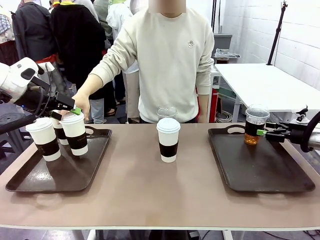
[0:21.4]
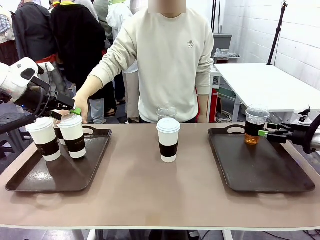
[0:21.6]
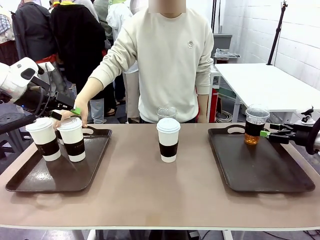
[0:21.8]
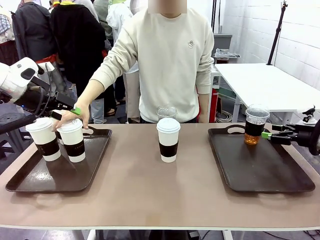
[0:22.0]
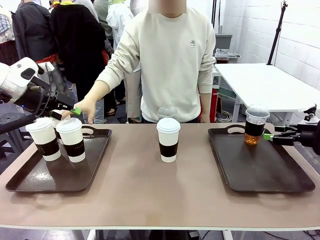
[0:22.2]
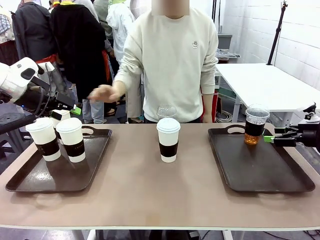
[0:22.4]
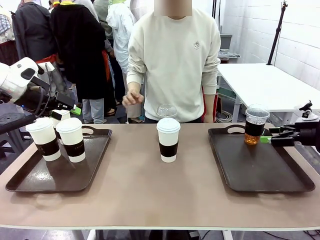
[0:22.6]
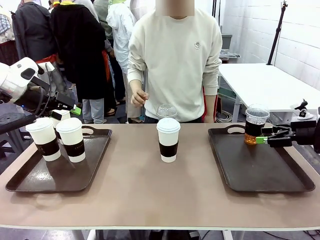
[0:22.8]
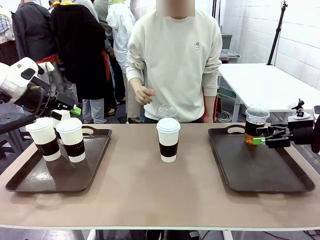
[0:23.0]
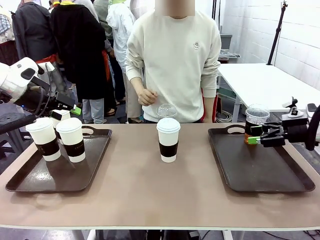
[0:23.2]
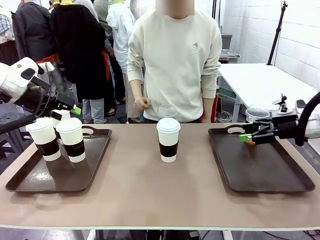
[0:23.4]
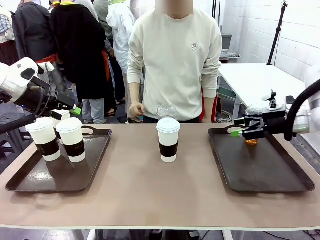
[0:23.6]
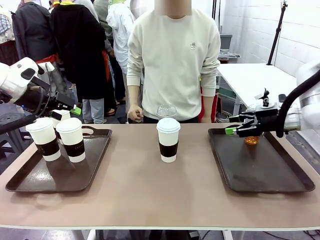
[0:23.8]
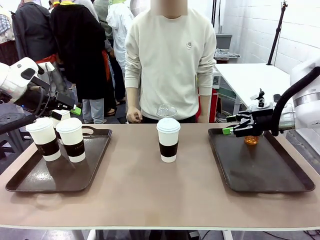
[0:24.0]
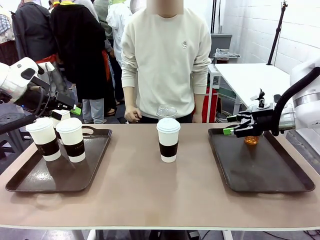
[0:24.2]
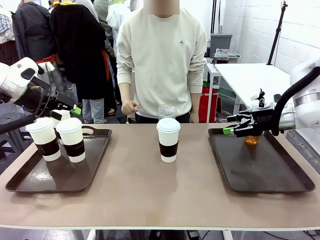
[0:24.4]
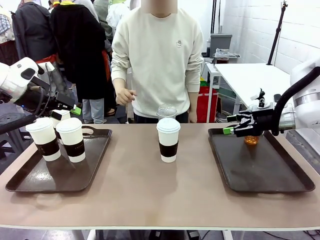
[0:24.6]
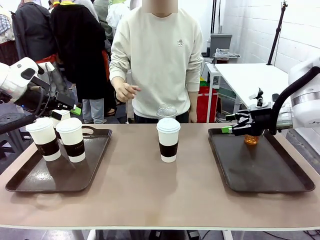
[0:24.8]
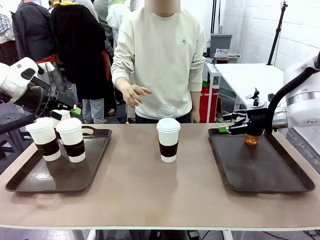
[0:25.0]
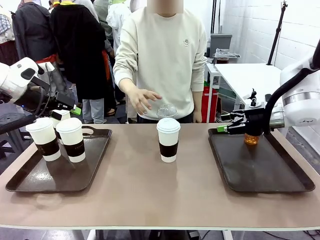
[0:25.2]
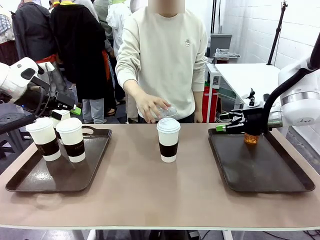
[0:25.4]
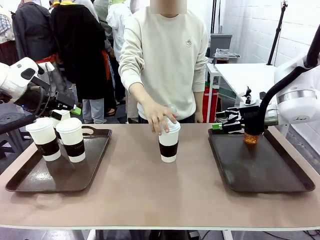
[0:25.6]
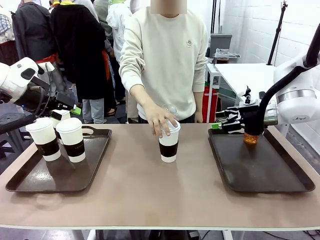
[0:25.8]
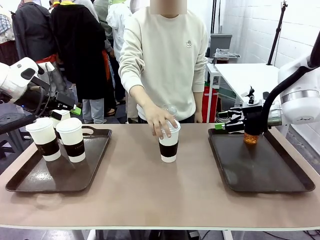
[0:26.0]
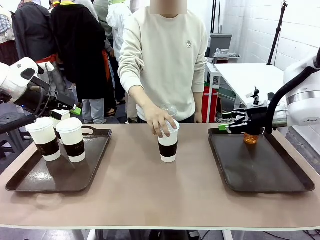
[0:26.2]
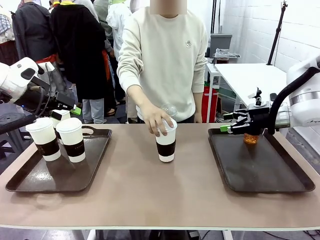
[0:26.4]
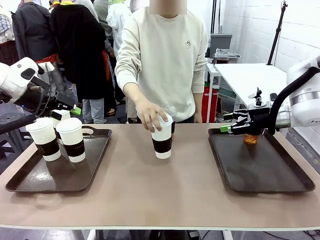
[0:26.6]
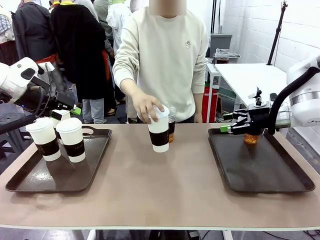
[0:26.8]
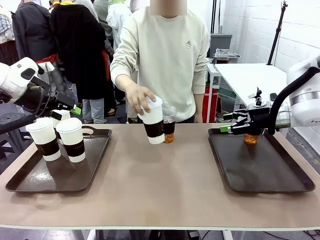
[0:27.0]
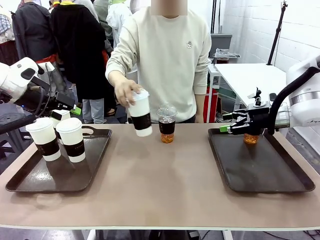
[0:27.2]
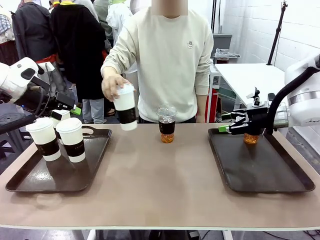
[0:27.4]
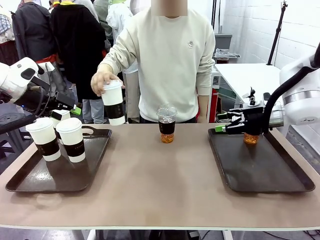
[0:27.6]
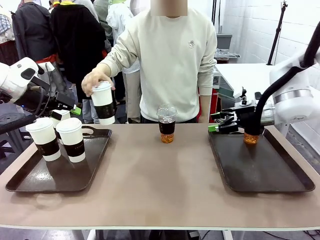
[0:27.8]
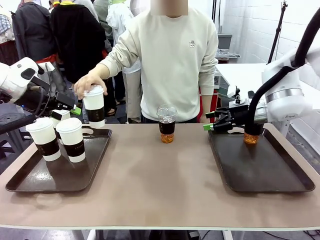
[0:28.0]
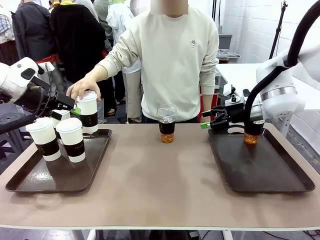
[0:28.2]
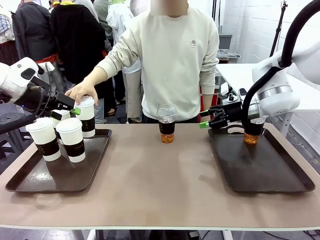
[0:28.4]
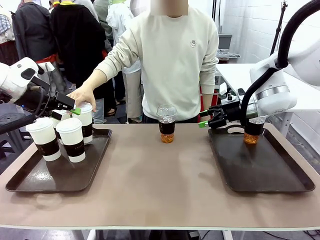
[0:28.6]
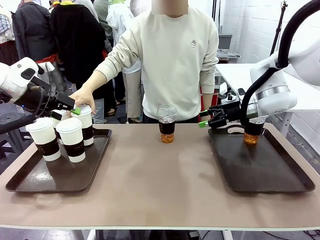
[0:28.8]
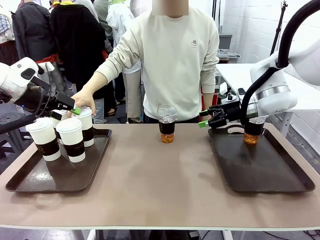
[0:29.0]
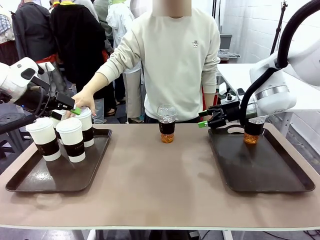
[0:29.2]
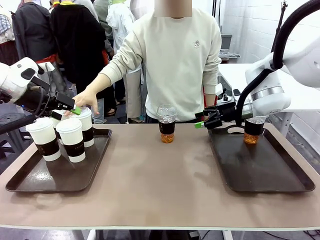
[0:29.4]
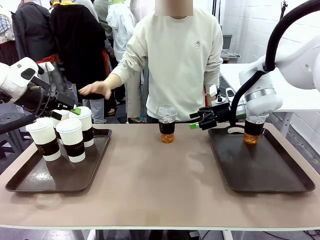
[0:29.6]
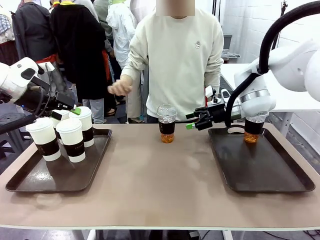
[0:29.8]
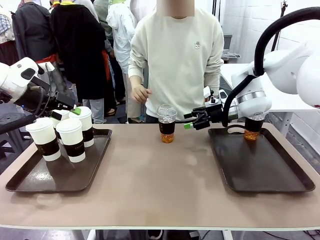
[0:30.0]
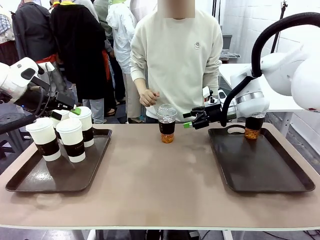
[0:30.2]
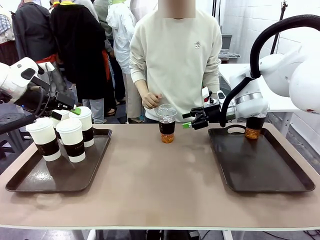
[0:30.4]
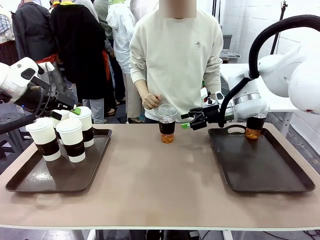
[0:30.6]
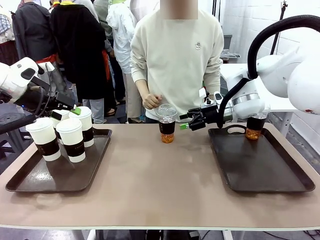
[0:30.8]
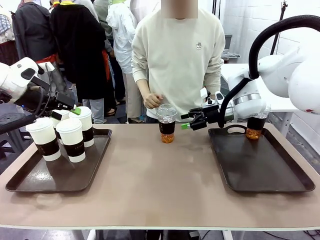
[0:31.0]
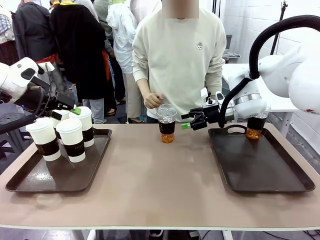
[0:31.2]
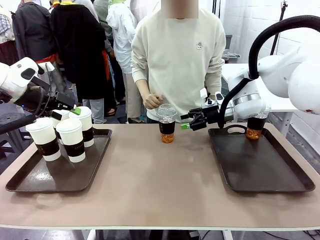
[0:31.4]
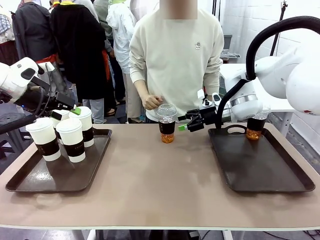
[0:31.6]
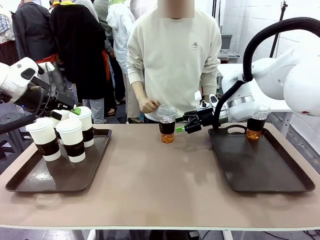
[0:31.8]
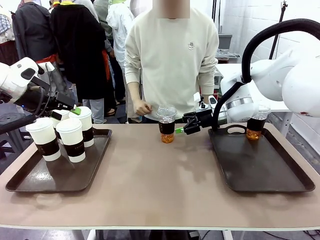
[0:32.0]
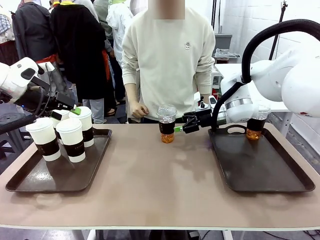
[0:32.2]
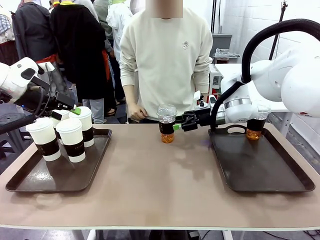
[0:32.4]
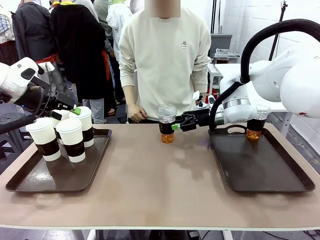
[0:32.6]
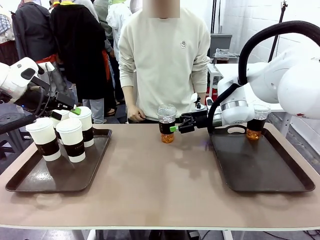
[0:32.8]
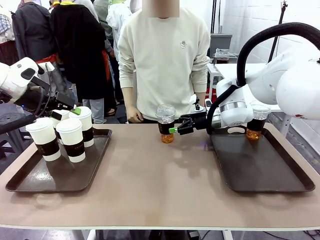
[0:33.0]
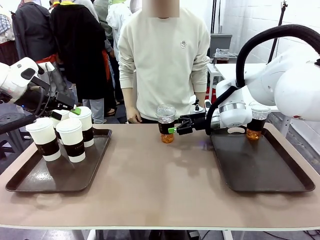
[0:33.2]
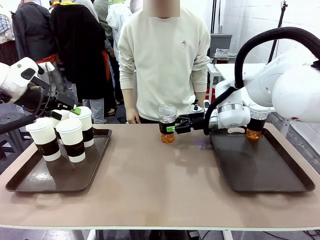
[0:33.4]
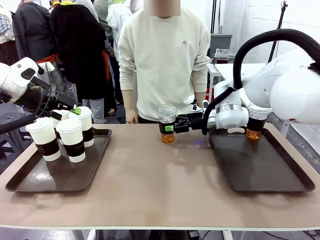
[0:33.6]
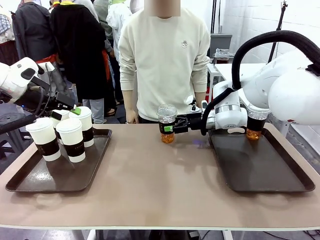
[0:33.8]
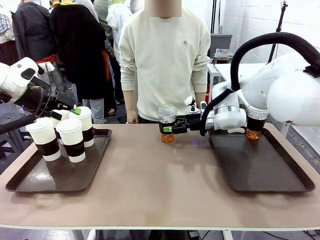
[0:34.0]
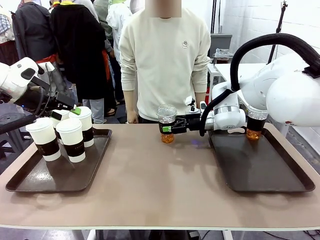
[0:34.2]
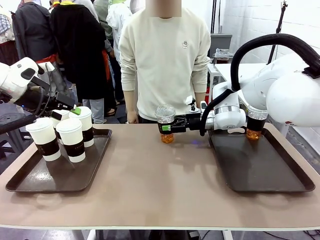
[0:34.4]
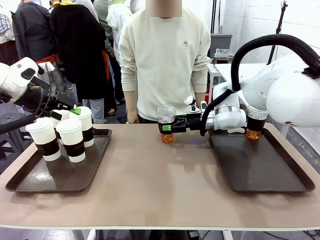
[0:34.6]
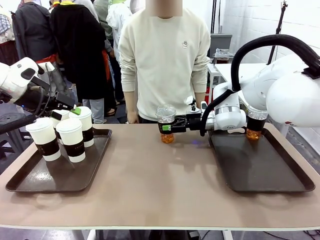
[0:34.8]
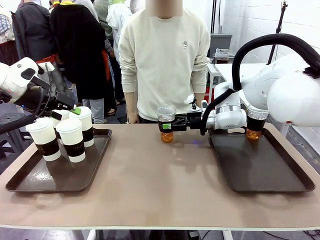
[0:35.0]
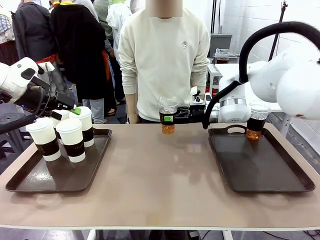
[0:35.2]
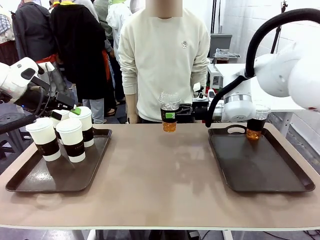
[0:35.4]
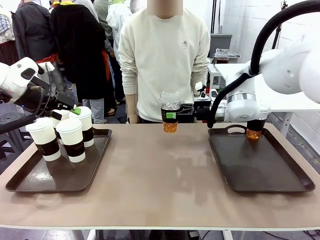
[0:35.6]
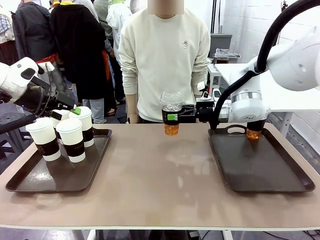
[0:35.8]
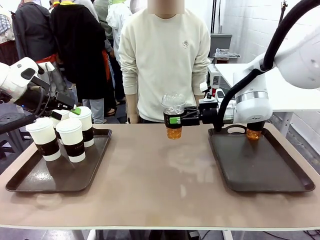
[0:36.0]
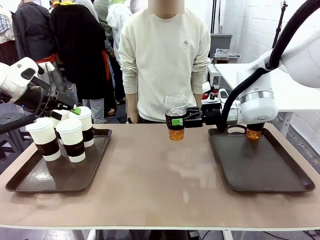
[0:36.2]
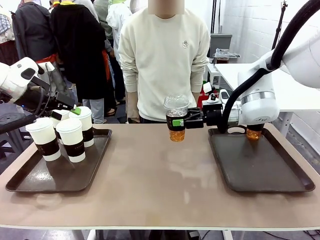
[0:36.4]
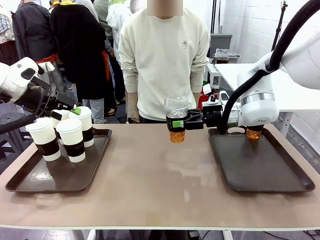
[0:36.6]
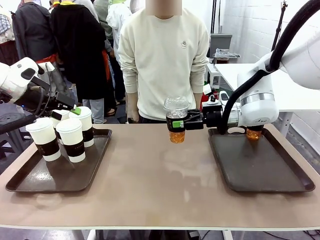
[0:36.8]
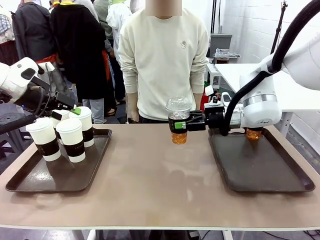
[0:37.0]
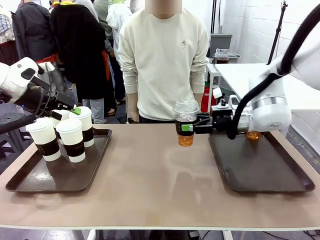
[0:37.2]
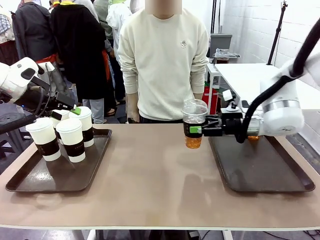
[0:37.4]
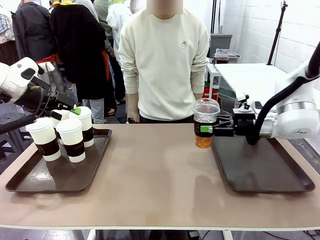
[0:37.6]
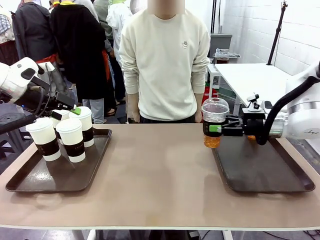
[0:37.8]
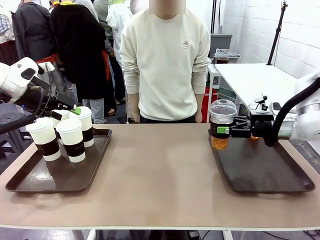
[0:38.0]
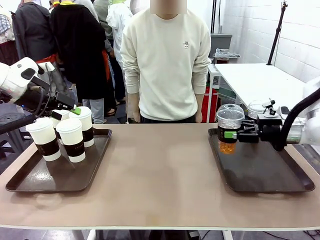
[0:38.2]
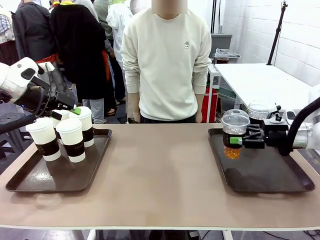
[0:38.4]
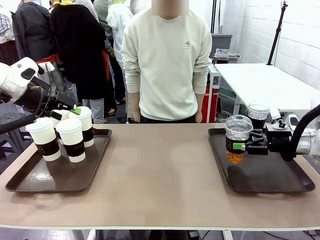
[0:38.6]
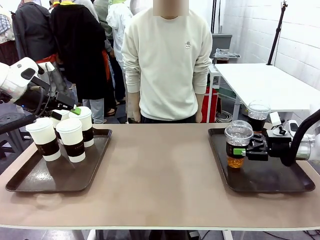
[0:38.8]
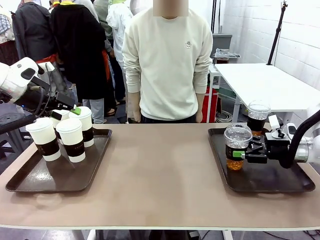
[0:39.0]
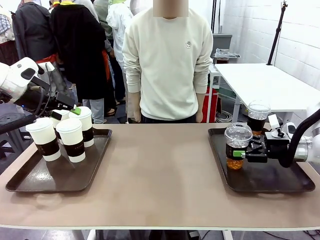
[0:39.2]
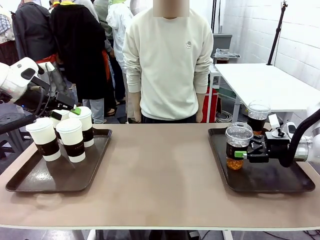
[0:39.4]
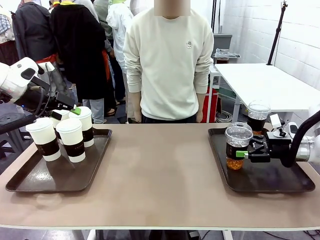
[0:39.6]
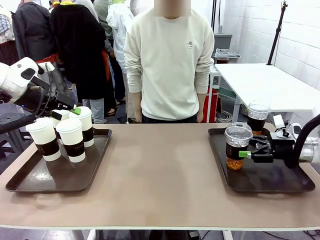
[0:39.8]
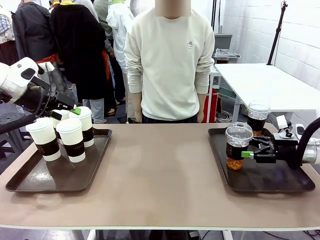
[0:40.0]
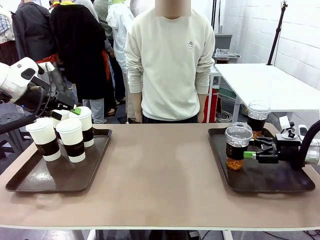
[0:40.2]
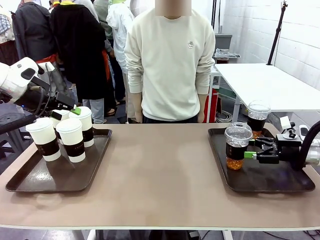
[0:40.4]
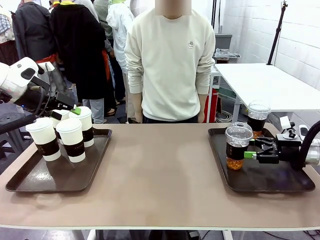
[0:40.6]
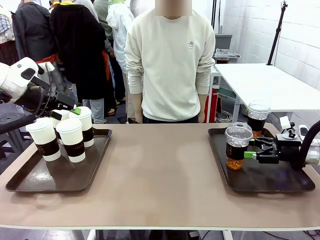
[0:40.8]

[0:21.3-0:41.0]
Task: Distribute the coffee onto the tray.
Robot: Pick up another iced Americano from the middle of the table and place it on the right Handle tray.
Person: Pick up a cup of hot Americano from the middle of the table and place it on the right tray.
